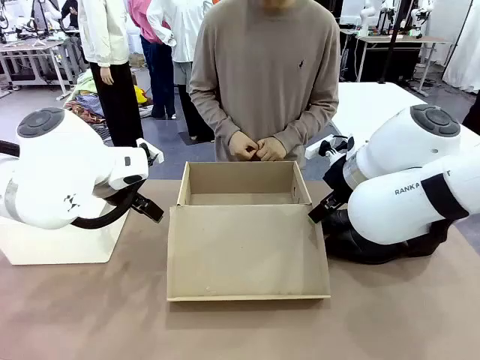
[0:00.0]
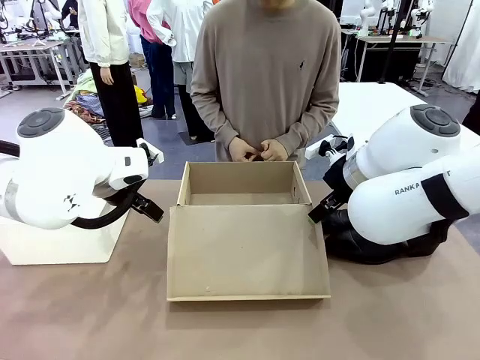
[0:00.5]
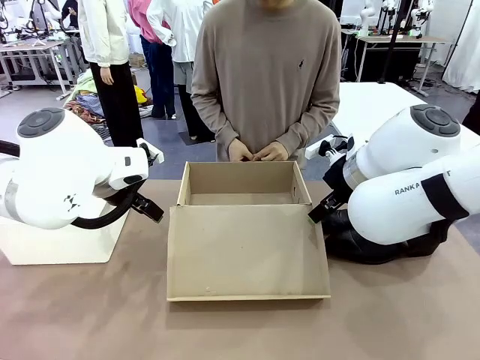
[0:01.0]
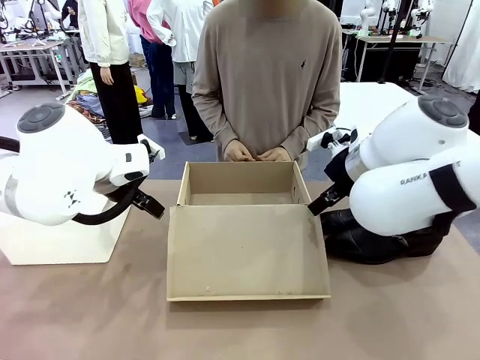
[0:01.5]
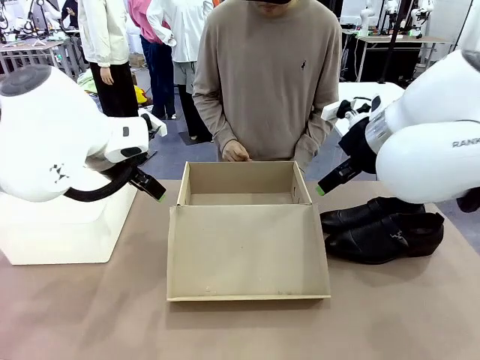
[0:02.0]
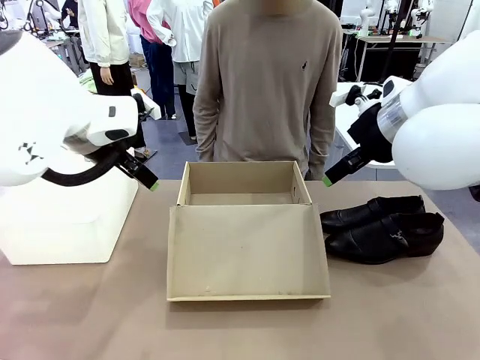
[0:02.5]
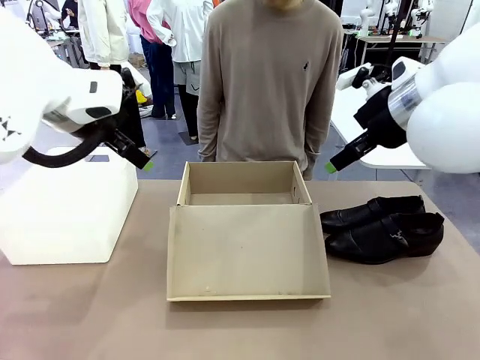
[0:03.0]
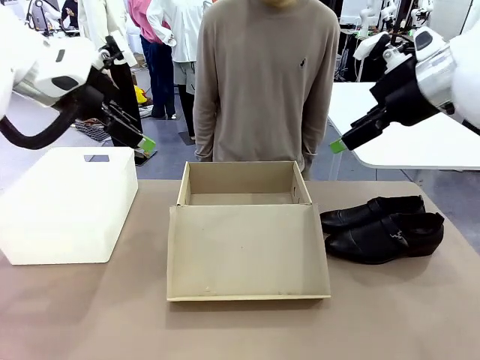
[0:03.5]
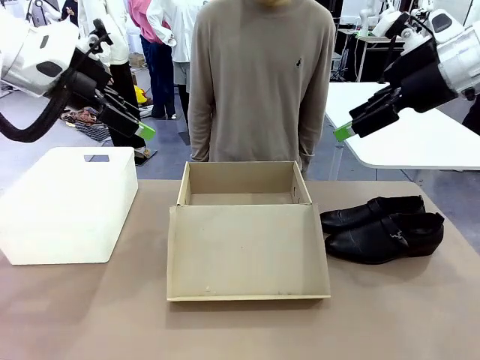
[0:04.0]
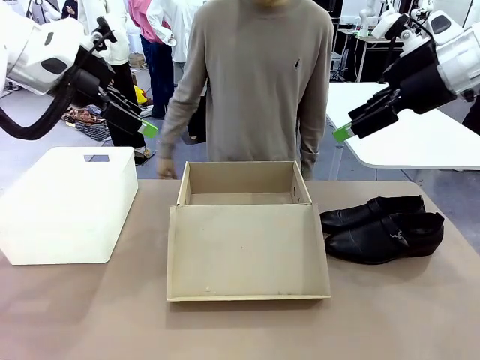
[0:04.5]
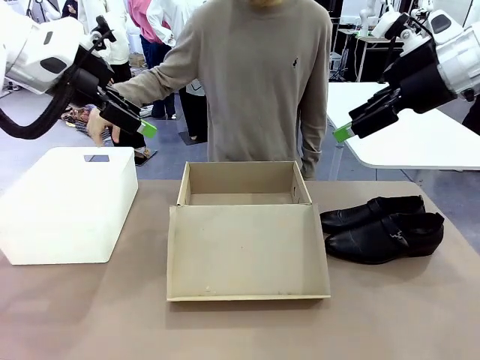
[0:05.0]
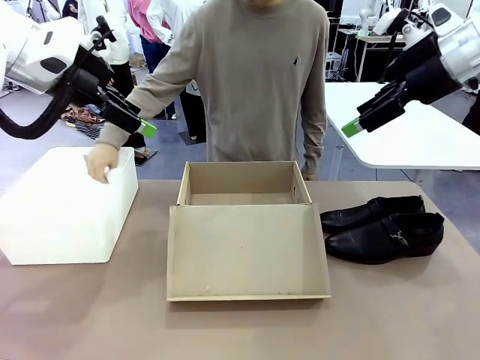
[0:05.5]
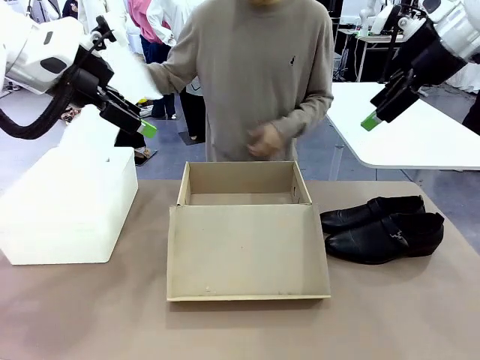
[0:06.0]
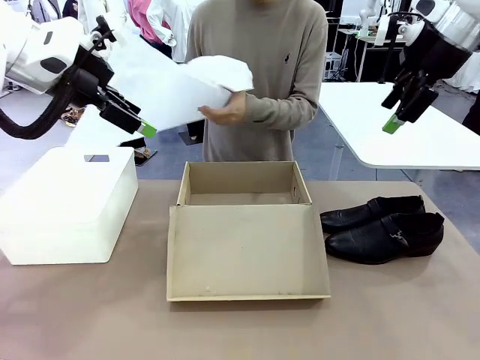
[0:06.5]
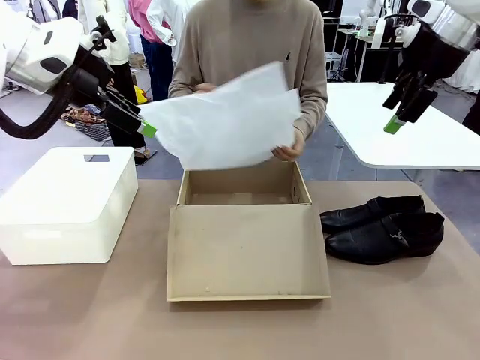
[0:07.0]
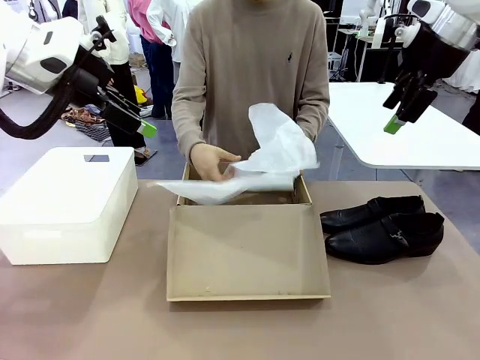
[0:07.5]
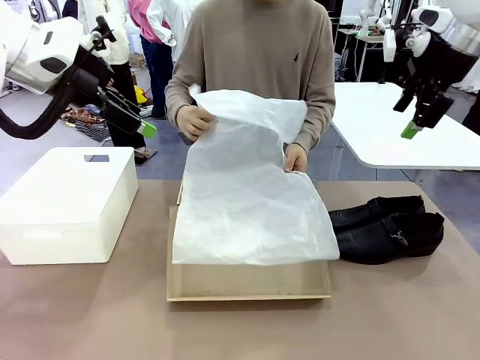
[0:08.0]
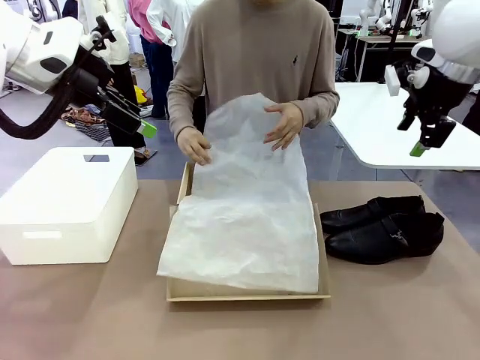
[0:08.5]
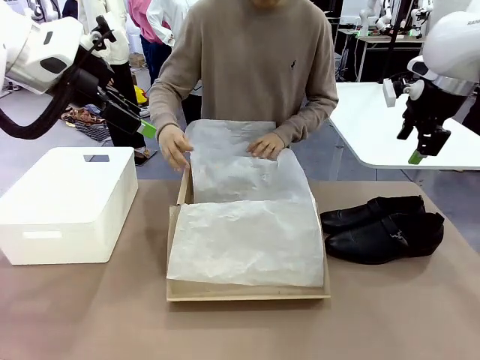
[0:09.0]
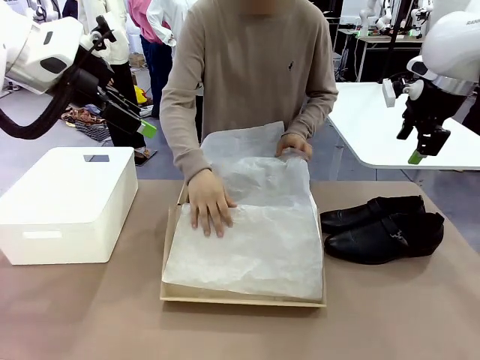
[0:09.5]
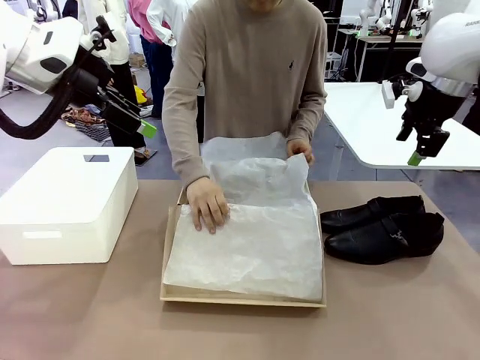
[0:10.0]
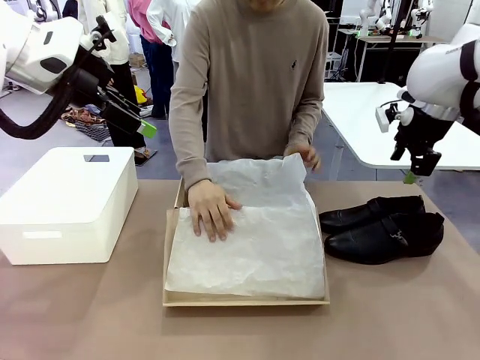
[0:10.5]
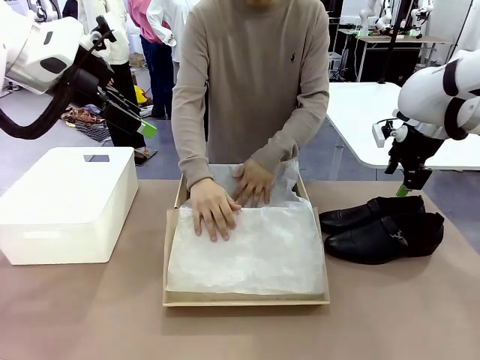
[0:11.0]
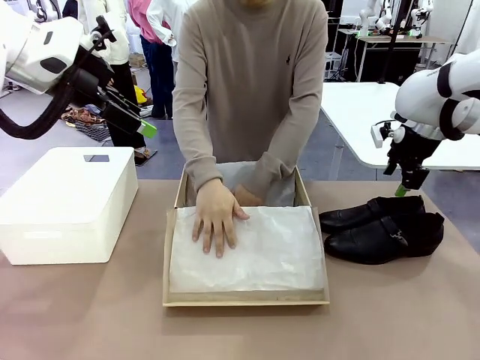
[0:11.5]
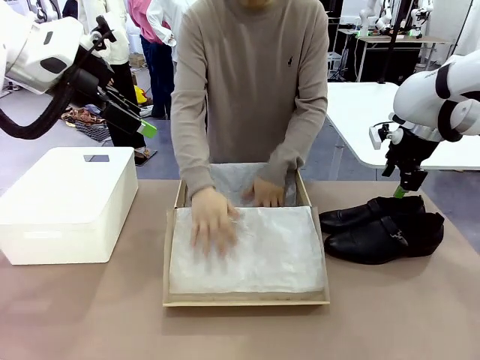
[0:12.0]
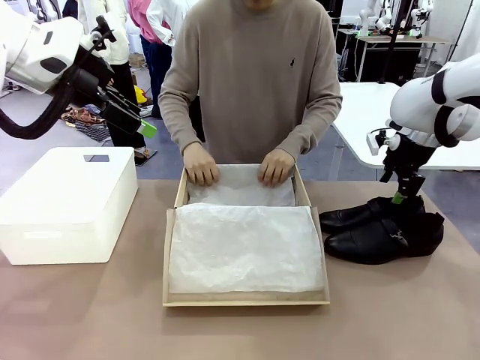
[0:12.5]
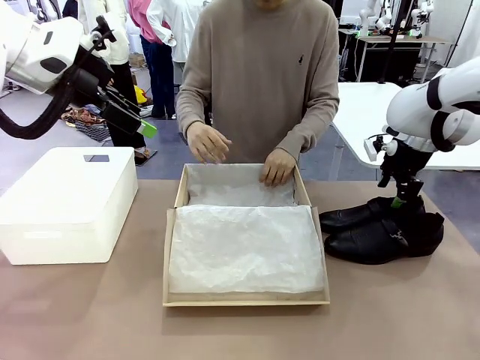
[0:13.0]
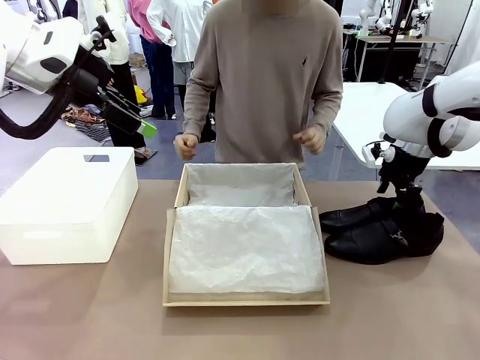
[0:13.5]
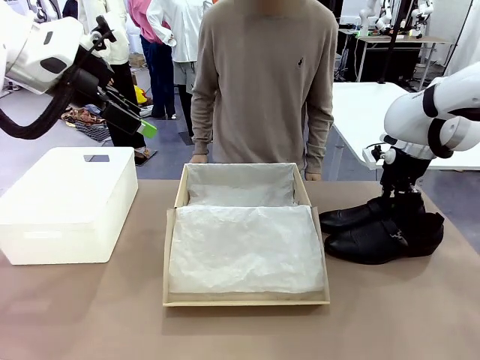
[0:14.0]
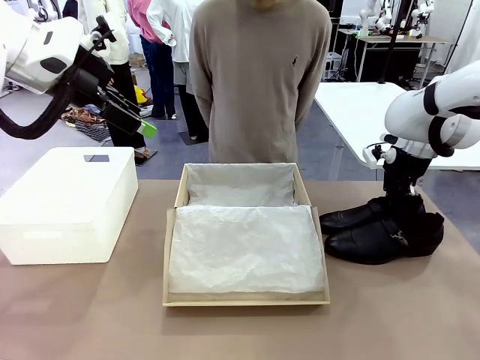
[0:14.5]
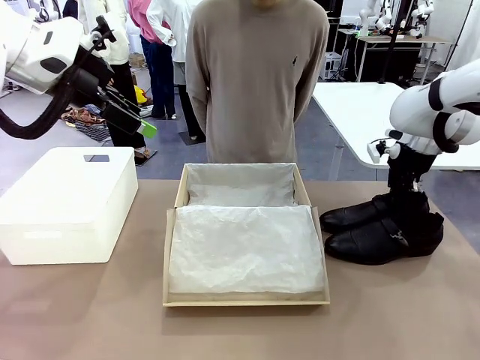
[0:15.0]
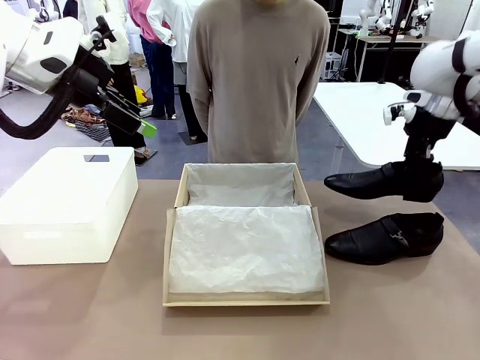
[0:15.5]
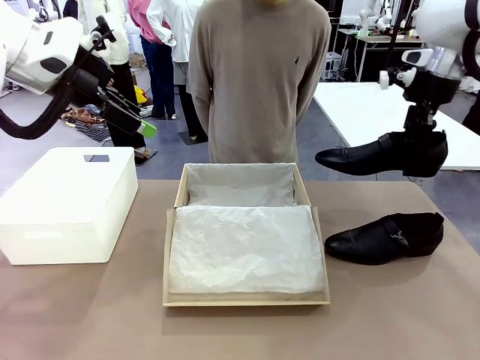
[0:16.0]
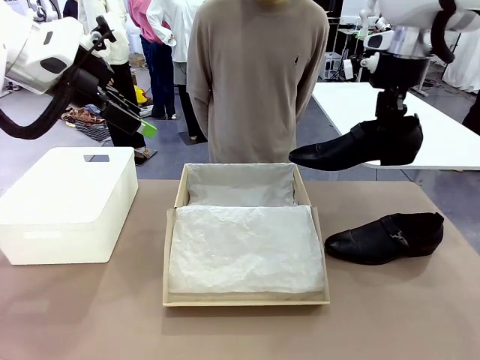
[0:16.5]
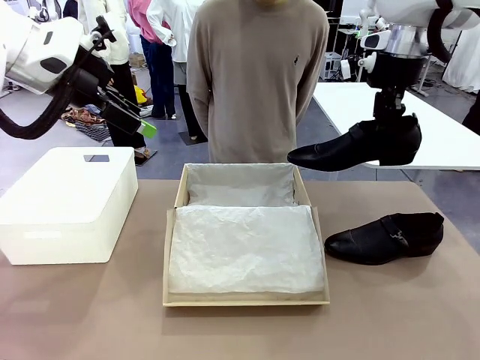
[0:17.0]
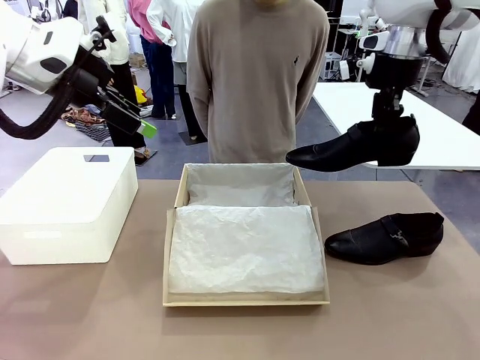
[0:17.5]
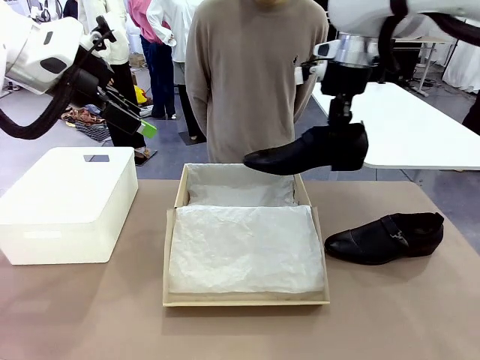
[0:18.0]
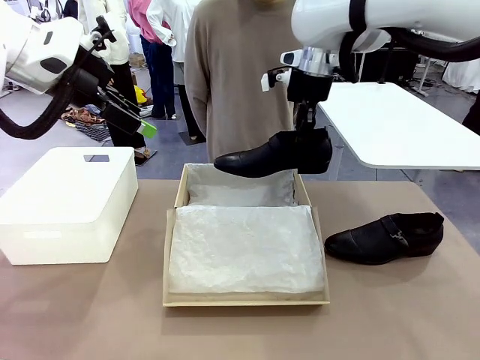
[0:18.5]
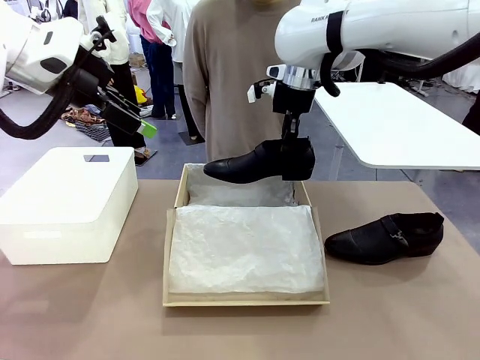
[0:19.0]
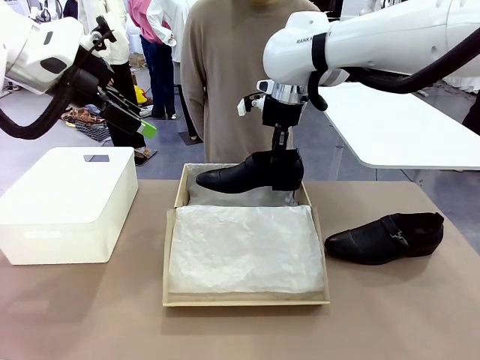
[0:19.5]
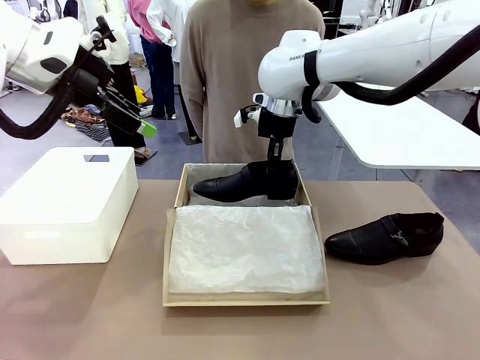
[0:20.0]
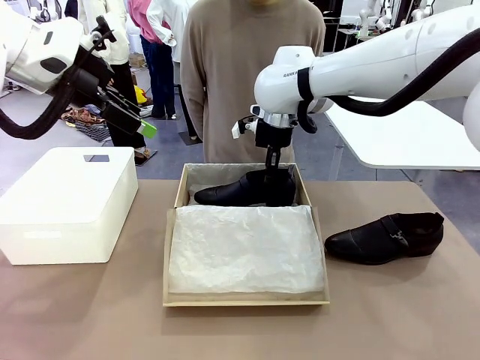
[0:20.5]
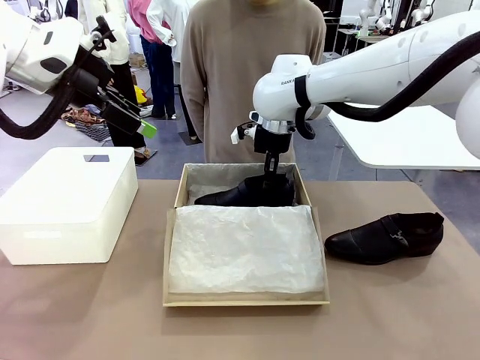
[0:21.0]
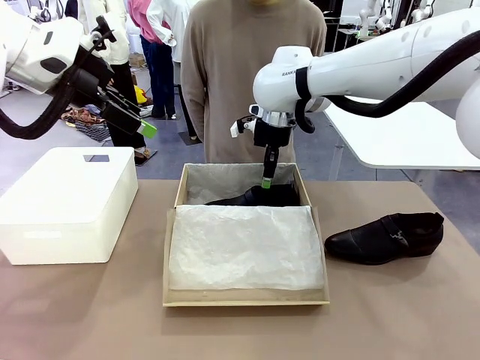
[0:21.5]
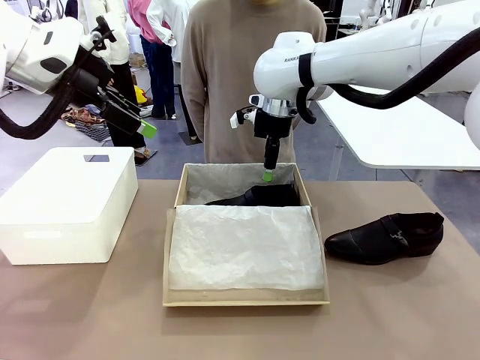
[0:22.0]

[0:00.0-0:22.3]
Task: Pack the shoes into the box.
Robot: Place one shoe of the Shoes into the Shoes Box.
Person: Spread Shoes Wrapping Paper and place inside the Shoes Box.
